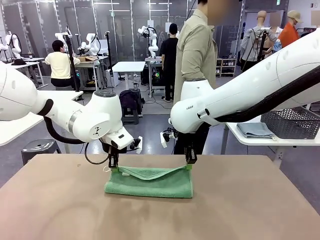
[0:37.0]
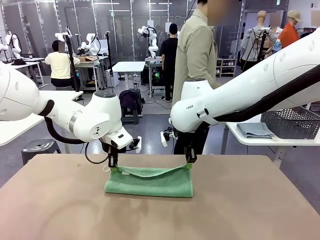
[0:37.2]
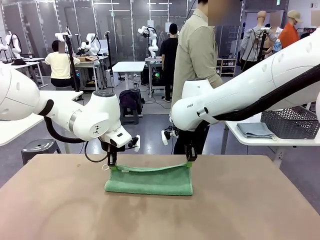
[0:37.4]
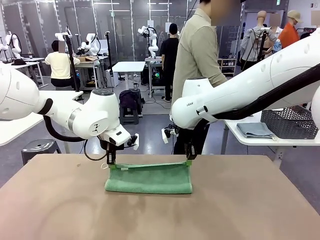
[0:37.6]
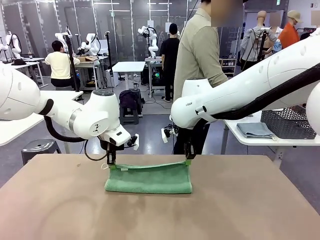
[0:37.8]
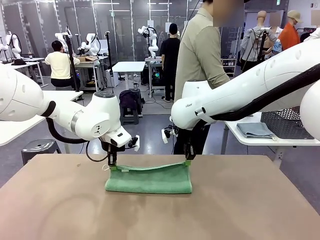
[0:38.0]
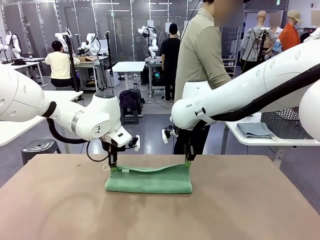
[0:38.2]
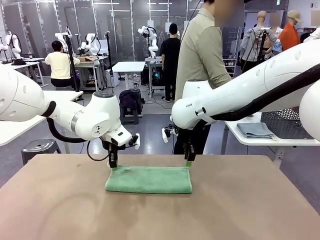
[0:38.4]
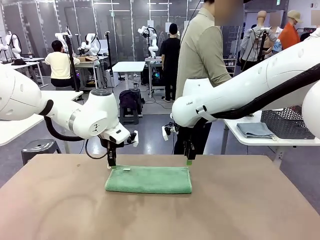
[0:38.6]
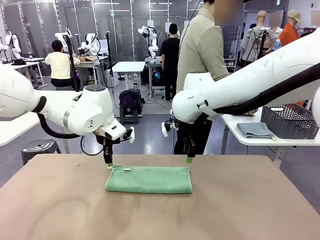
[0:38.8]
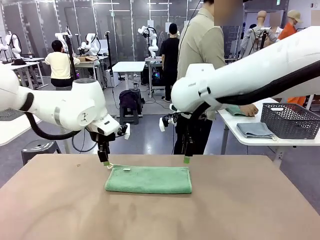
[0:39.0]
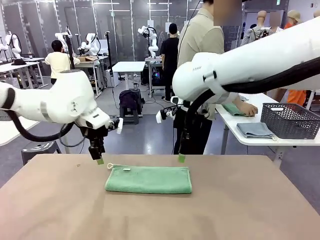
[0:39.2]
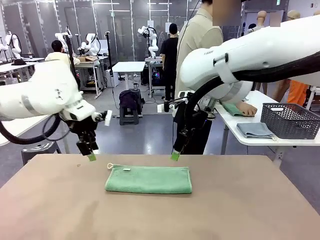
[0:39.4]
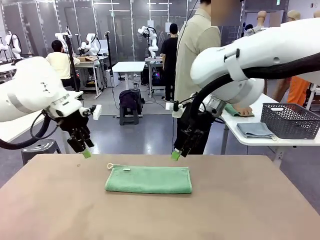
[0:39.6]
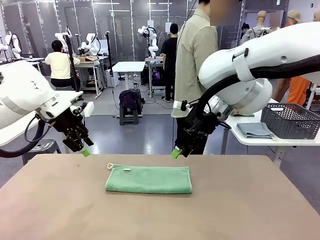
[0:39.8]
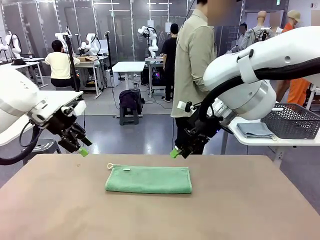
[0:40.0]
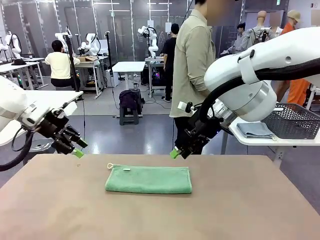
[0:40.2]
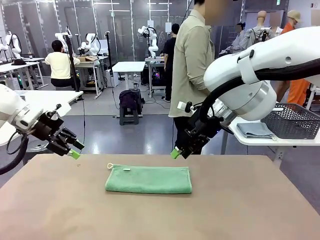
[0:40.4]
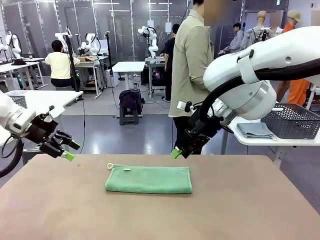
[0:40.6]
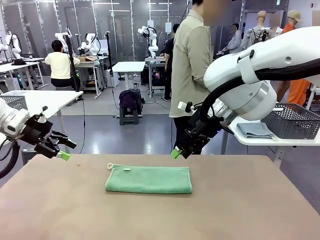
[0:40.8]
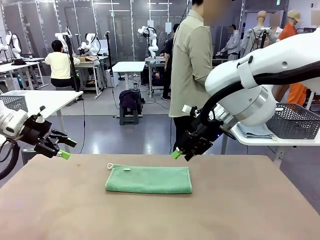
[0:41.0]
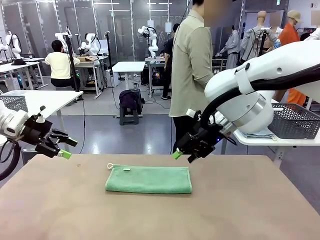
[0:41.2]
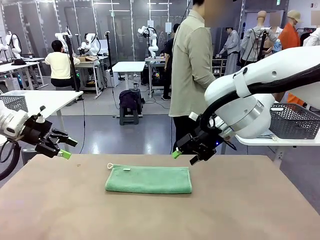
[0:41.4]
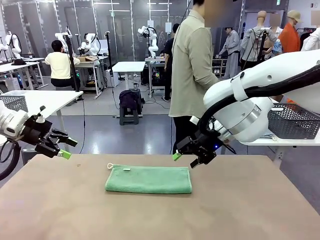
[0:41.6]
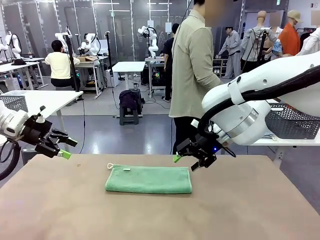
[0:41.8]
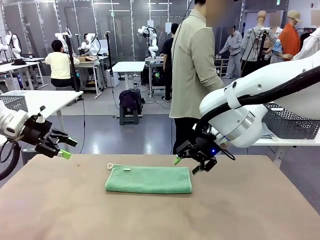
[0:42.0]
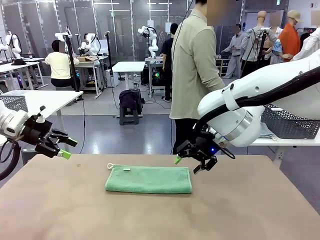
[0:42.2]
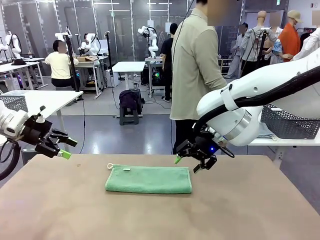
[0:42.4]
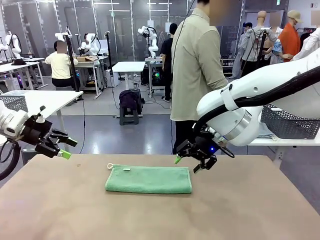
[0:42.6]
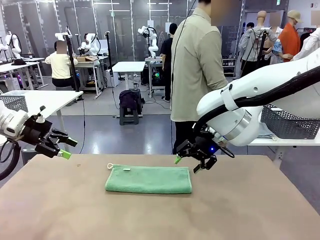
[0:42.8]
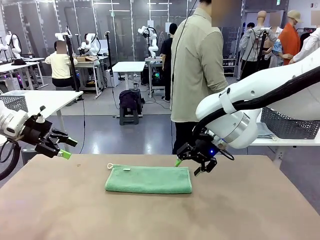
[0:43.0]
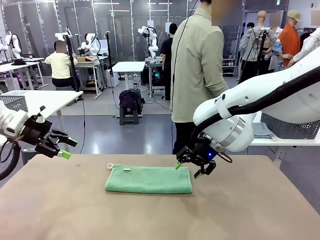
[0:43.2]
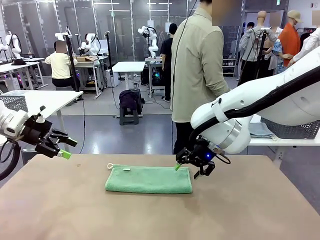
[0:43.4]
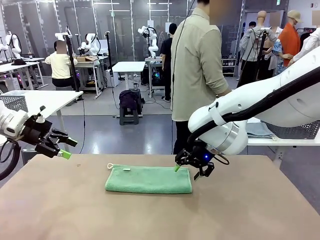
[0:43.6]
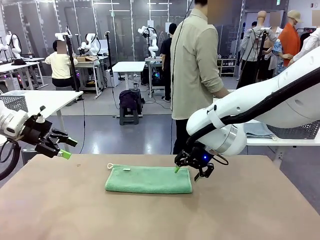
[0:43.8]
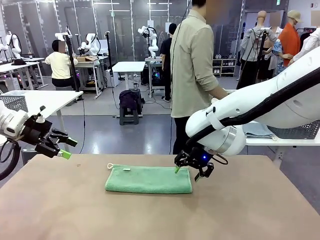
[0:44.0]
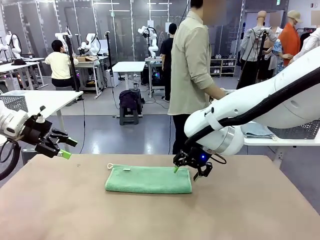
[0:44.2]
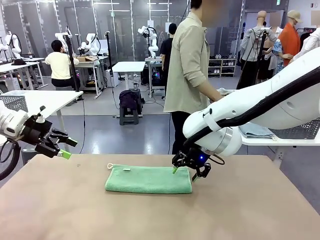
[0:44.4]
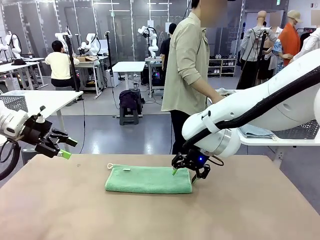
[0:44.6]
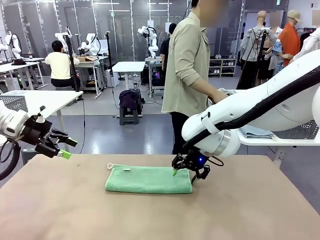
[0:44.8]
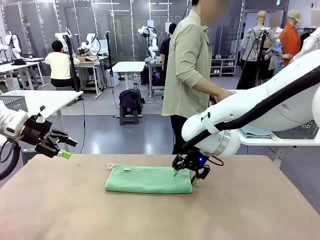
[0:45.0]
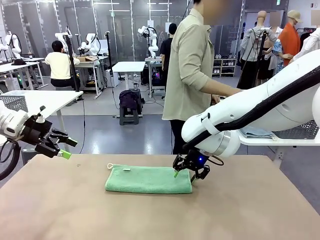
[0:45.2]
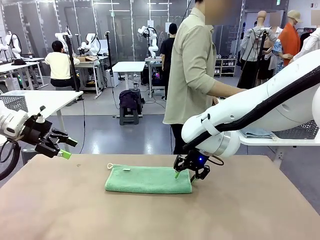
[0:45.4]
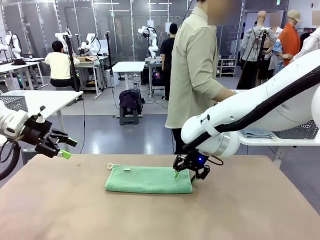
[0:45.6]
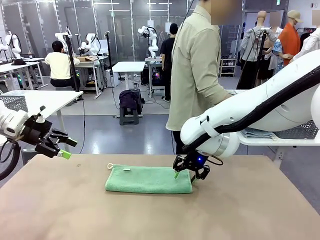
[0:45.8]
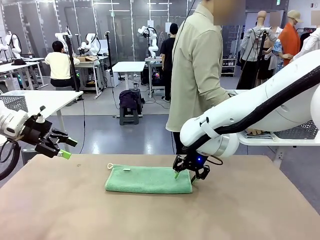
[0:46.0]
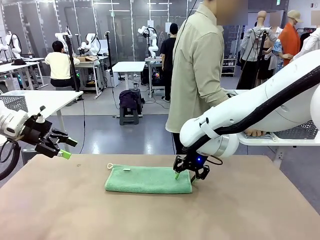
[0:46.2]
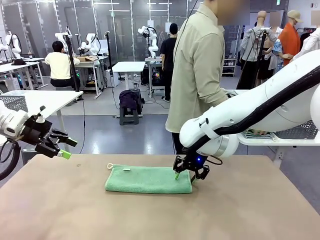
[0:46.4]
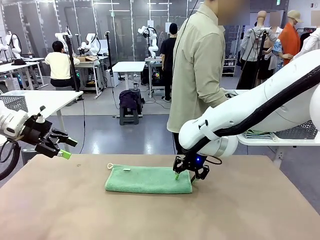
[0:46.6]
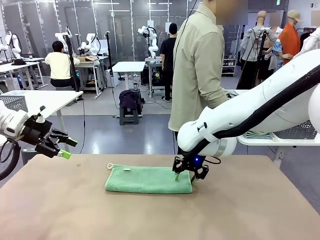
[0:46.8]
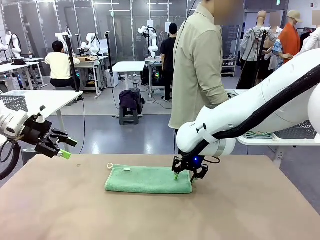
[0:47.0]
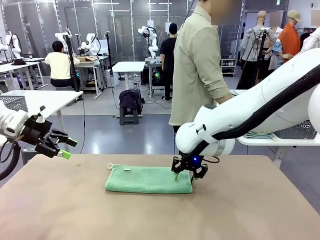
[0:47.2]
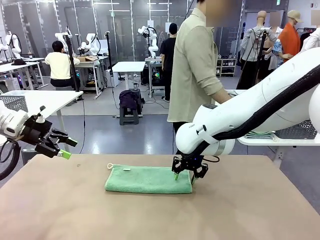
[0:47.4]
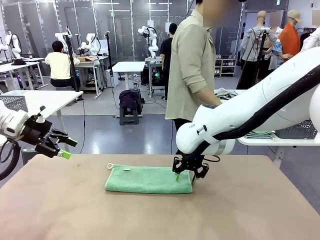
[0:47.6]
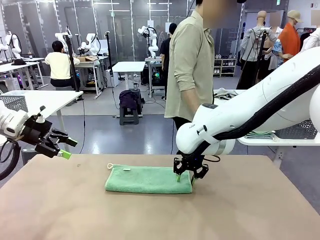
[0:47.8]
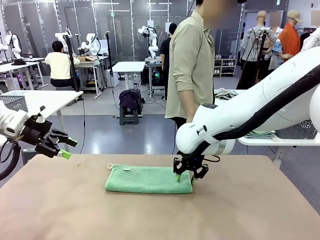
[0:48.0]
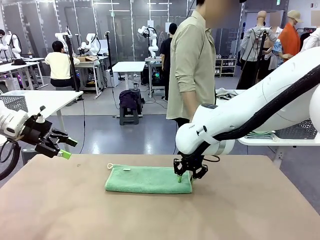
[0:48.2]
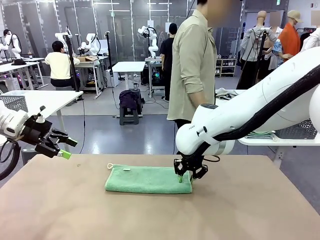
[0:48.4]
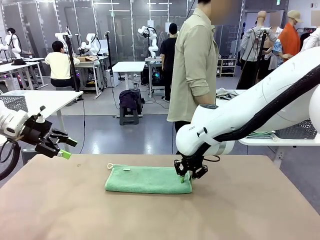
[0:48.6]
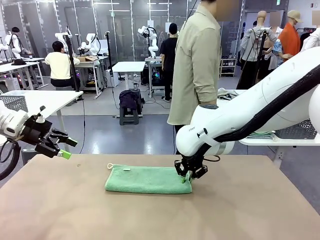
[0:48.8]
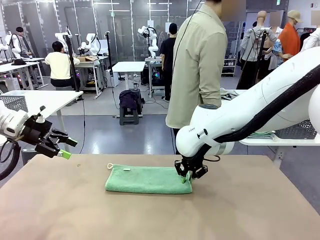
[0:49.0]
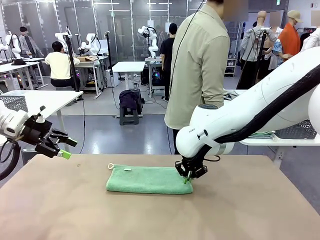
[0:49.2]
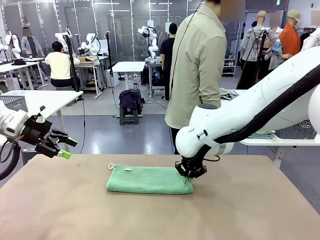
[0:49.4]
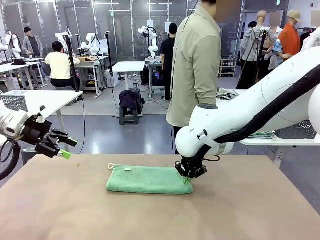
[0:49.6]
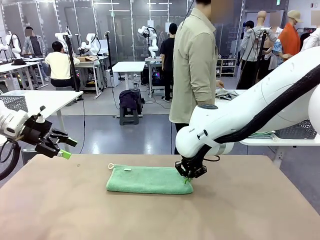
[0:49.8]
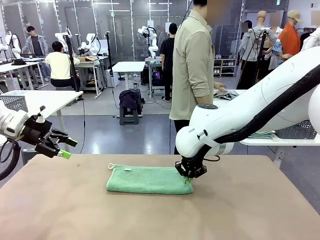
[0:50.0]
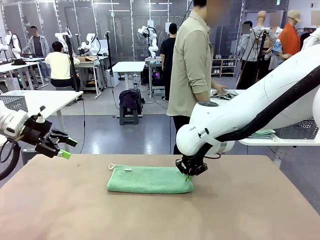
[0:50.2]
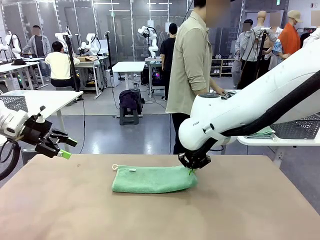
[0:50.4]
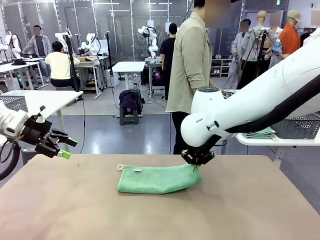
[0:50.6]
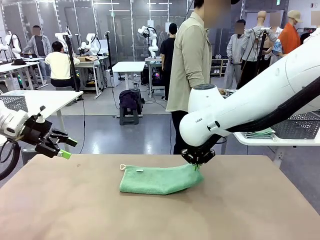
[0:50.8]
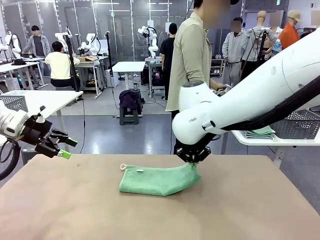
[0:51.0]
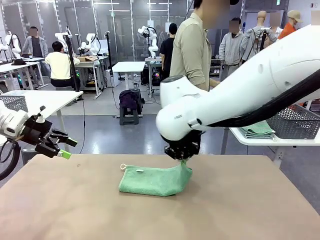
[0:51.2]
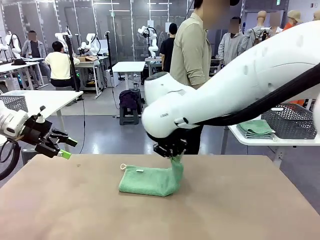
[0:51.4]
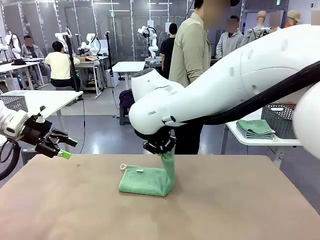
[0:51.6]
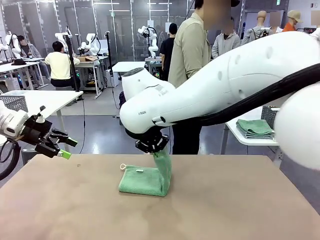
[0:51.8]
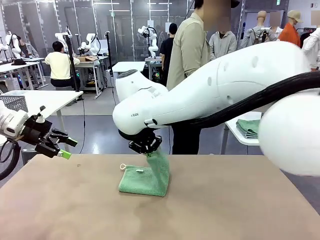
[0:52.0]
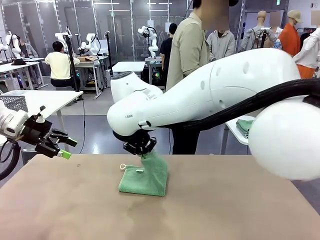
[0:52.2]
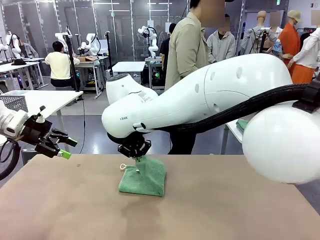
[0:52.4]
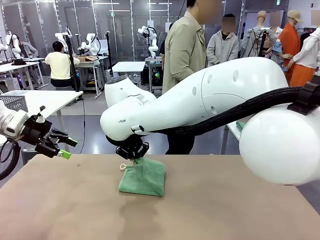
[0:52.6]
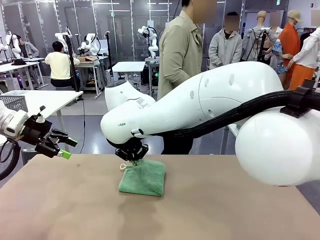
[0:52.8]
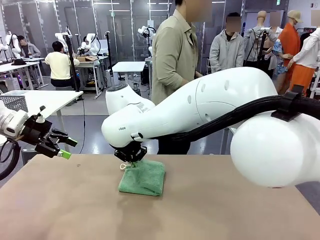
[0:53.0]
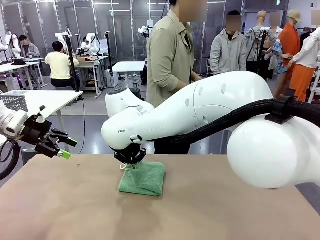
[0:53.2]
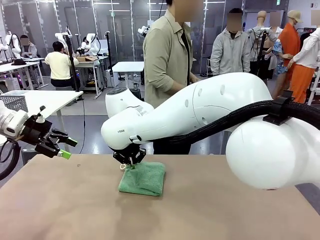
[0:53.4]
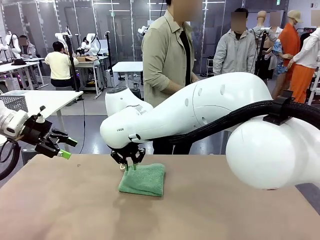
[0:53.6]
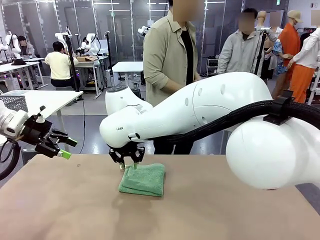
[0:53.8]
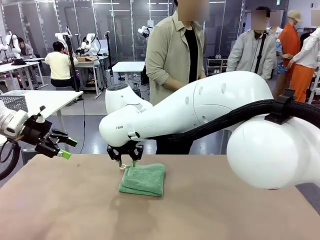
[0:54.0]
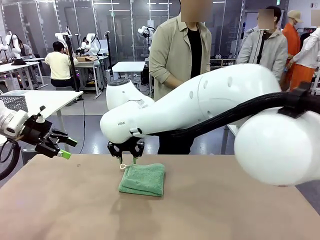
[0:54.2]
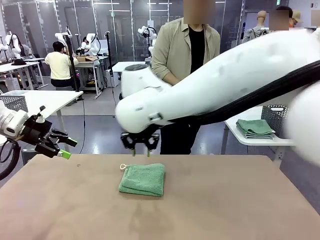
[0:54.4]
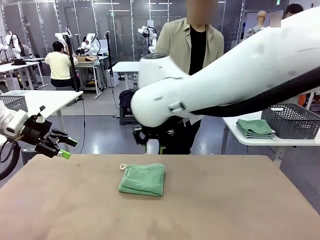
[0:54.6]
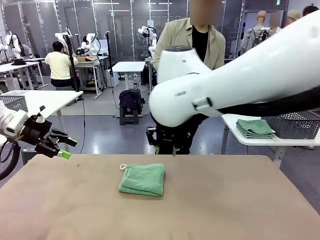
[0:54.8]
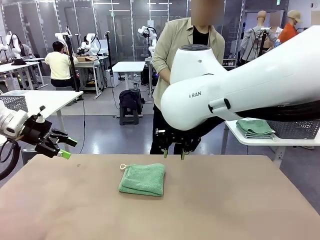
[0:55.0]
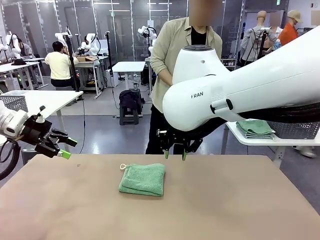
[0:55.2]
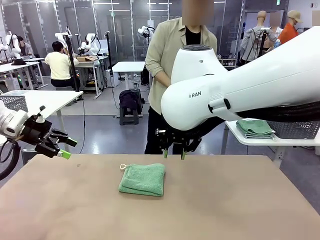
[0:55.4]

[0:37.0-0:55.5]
Task: Fold the towels and place them in the basket.
Robot: When a person lays out a Towel with hook on the table, fold it in half twice.
Person: Pick up one towel from the left side of the human table, fold it in half twice, and stack it on the right side of the table.
